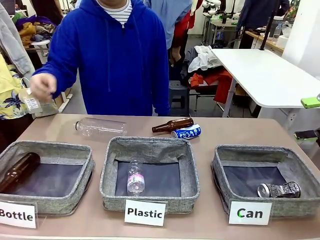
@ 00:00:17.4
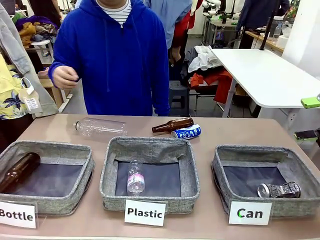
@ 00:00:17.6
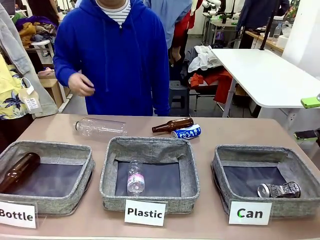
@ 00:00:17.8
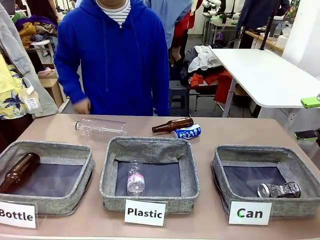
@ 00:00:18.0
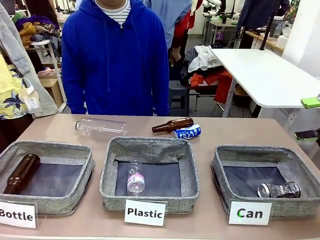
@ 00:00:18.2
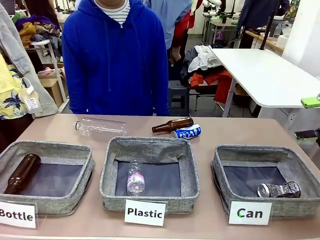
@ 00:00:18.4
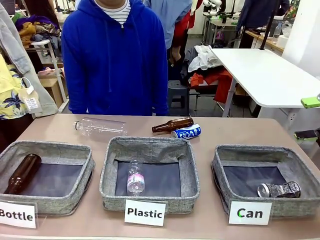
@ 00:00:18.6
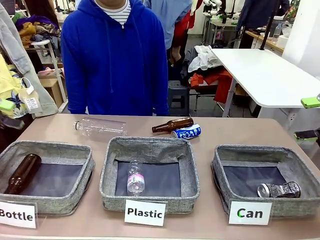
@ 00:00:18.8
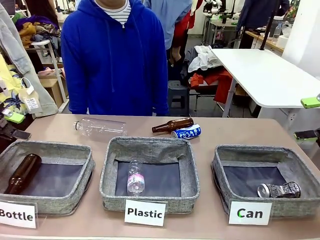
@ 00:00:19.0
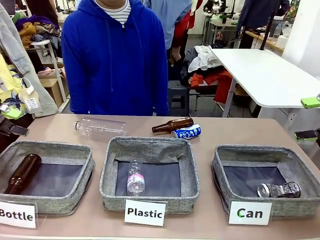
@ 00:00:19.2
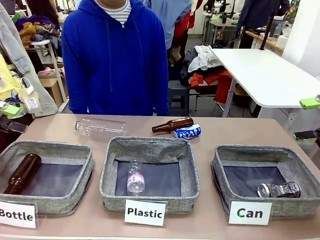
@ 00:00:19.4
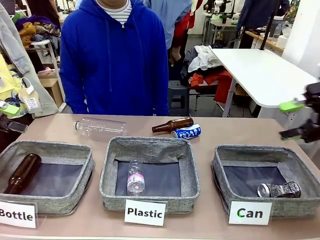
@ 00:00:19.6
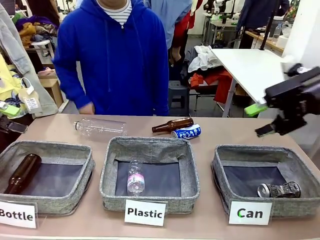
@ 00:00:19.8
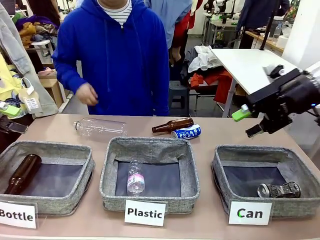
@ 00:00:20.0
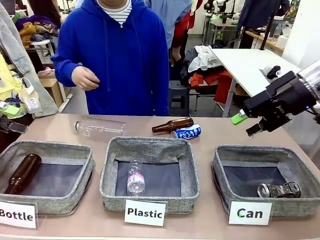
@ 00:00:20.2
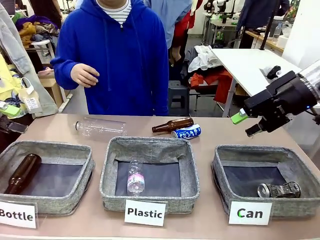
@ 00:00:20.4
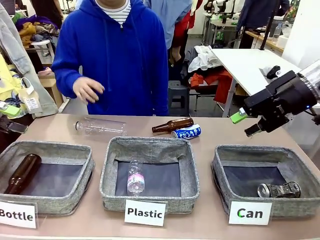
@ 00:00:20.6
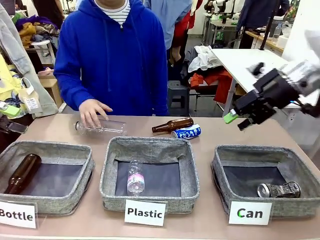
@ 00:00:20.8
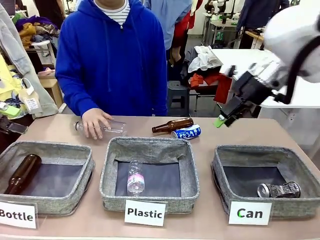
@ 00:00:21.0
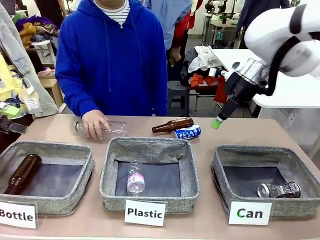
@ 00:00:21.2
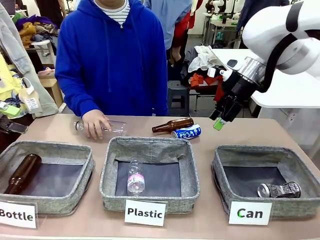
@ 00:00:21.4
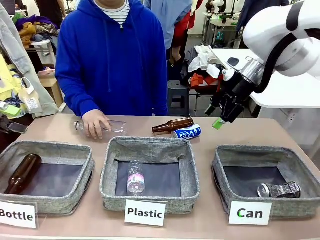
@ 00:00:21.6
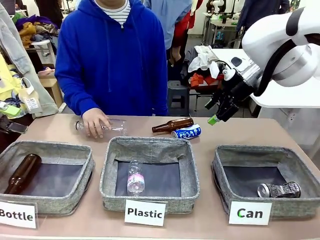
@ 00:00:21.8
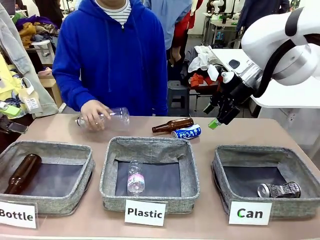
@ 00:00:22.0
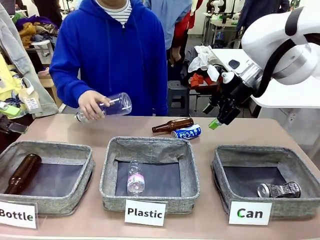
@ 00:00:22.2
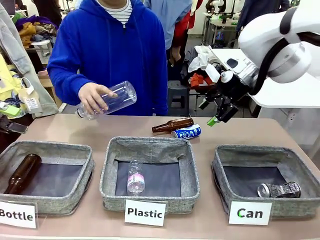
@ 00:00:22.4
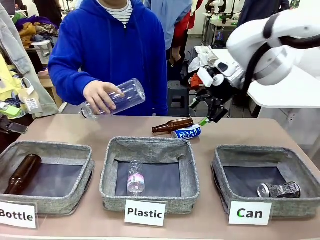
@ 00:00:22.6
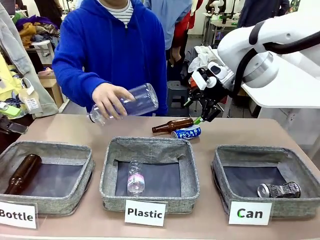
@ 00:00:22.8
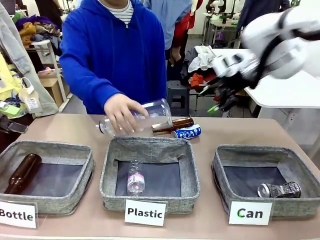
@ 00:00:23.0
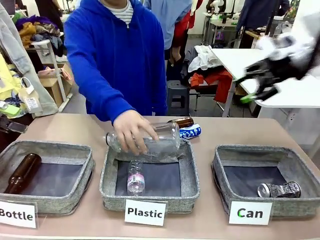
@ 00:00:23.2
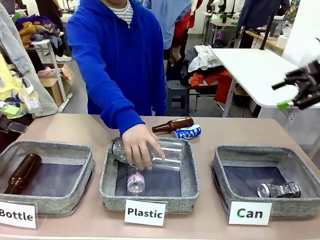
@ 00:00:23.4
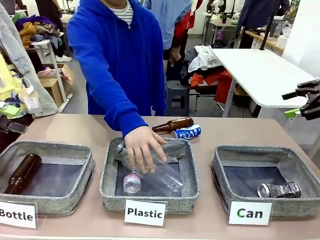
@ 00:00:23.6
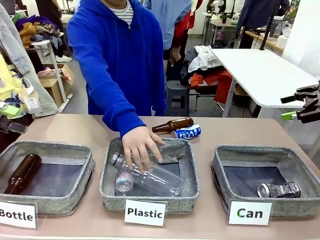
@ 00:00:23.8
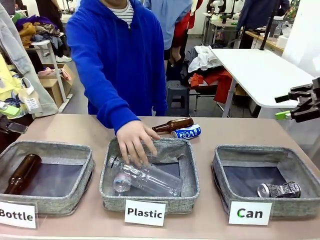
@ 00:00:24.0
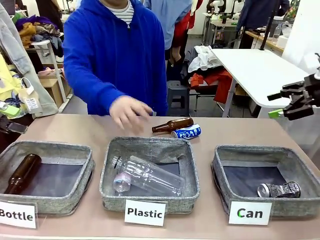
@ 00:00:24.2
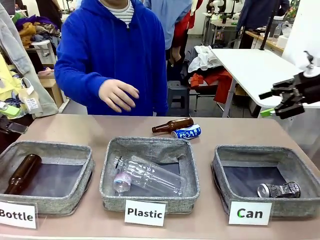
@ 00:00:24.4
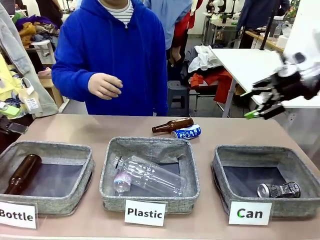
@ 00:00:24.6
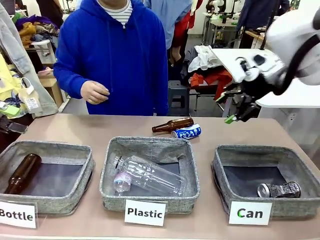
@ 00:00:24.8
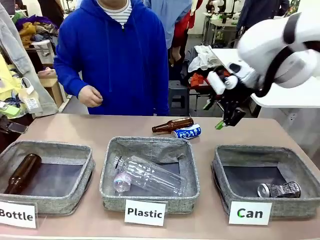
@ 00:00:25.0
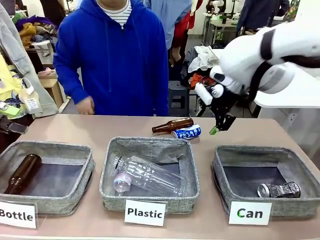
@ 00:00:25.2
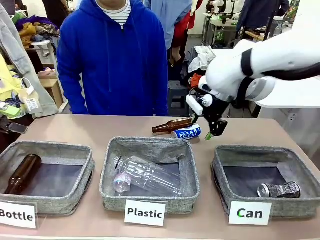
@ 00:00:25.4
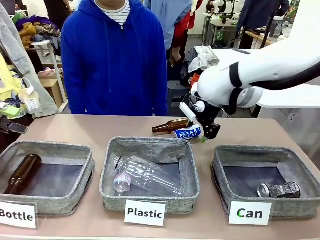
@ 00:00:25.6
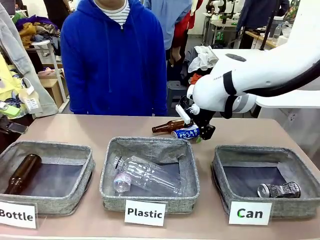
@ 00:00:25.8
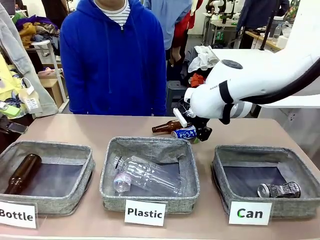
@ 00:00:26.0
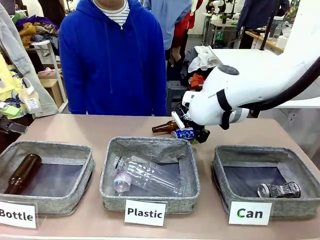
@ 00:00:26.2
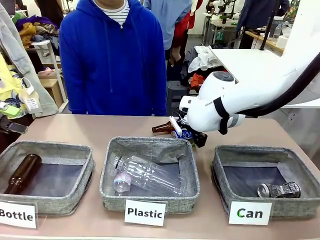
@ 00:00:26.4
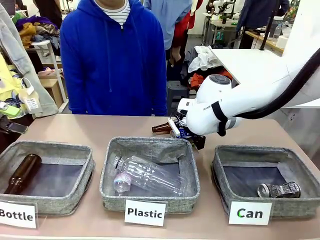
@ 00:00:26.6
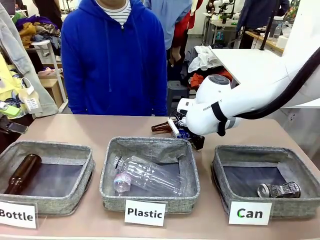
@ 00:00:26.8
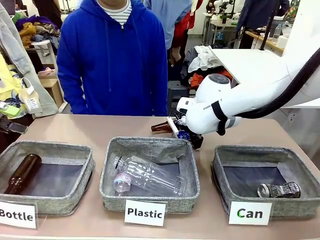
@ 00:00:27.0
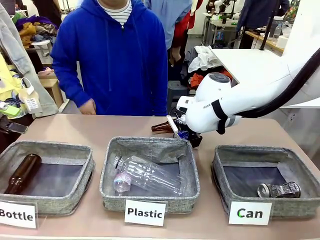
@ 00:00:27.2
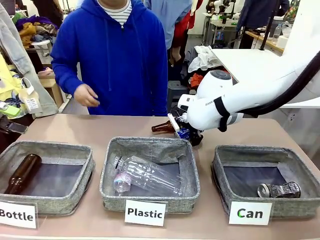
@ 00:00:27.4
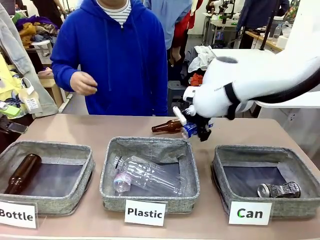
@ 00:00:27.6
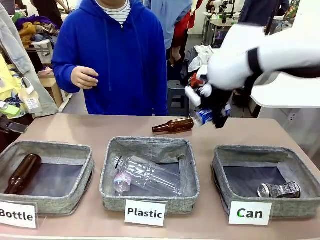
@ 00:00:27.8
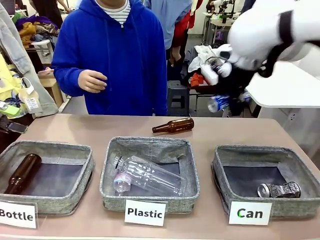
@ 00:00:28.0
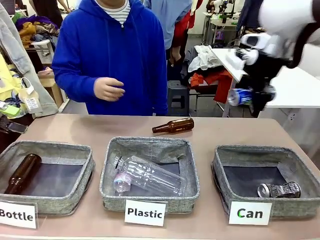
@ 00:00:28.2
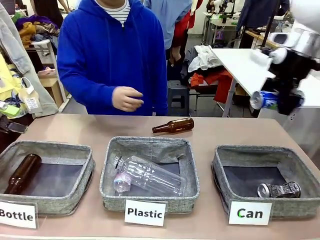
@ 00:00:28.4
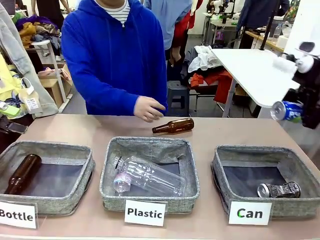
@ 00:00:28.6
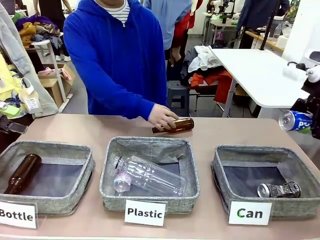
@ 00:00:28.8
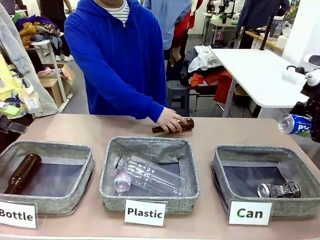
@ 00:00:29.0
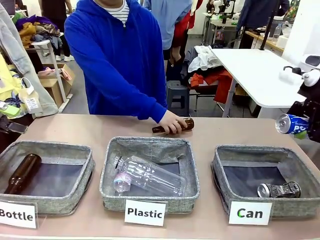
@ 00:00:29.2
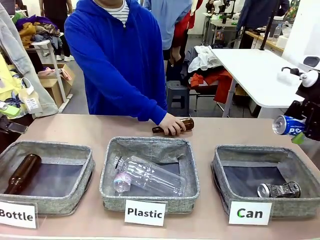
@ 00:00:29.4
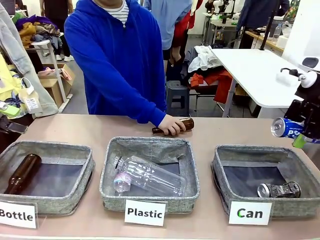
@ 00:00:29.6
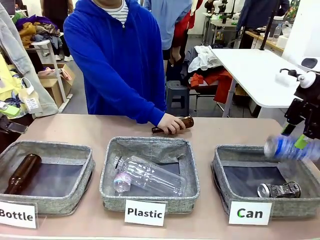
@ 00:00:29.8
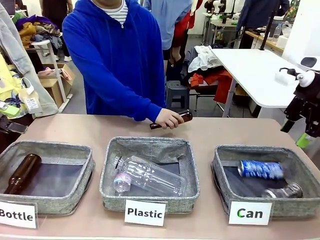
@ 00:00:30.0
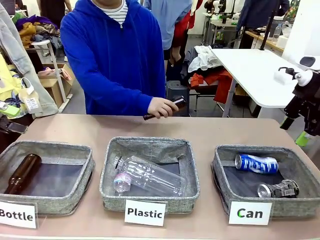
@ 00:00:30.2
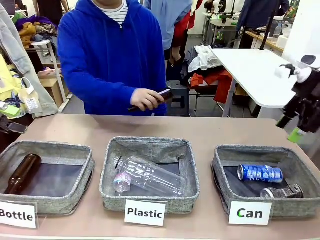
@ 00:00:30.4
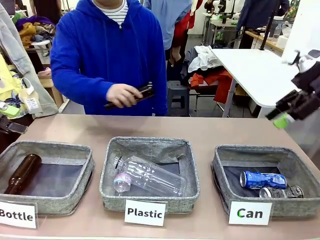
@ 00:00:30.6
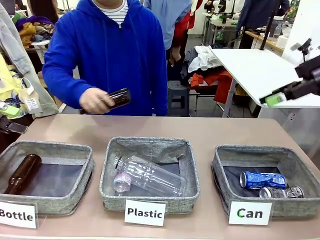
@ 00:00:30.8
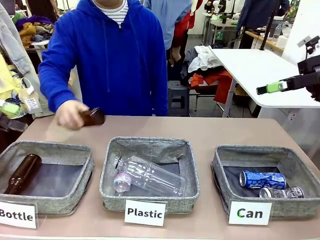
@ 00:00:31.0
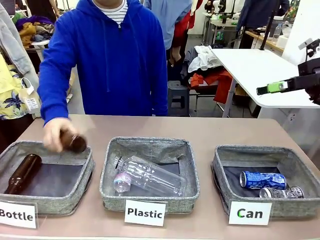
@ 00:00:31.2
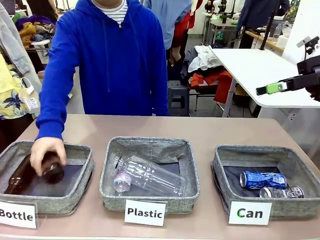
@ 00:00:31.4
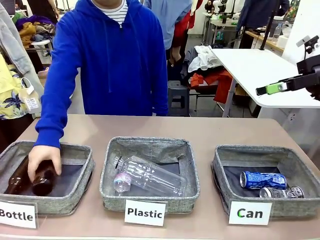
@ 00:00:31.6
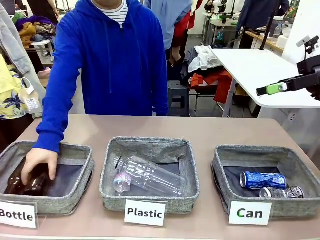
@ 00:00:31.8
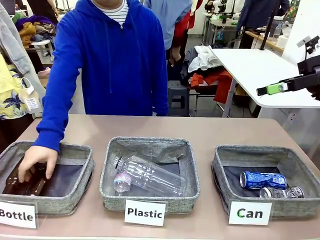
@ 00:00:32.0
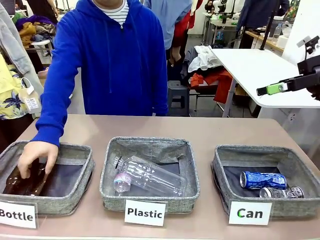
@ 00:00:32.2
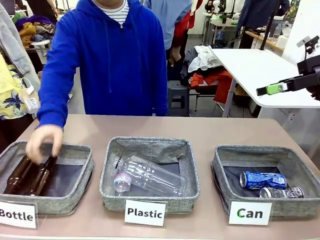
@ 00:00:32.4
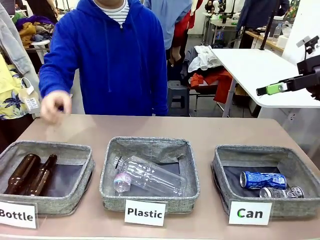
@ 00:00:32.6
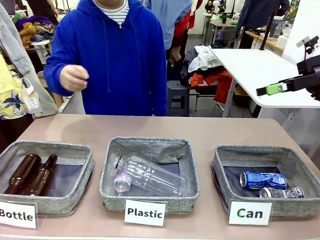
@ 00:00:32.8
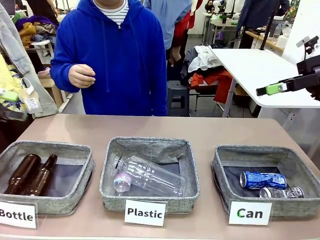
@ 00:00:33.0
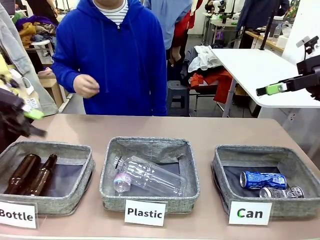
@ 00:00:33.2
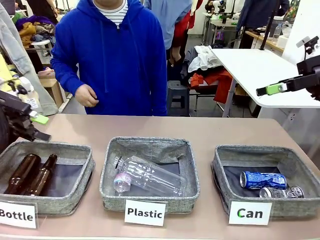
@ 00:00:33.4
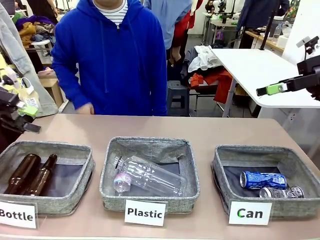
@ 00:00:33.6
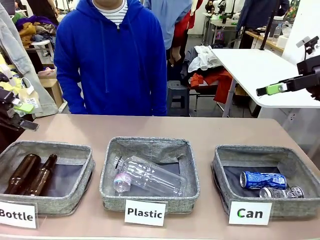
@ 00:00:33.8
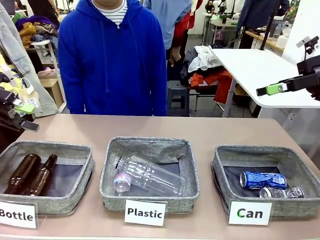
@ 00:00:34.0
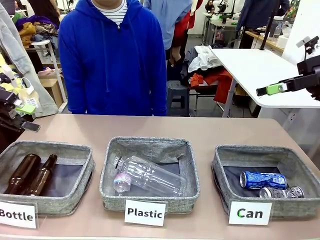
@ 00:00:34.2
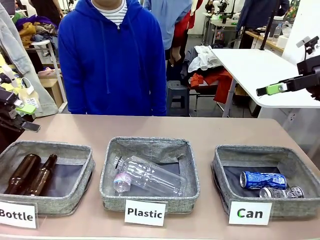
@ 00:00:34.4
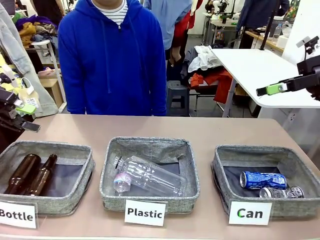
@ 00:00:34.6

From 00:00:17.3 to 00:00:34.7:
Task: Sort the can waste into the basket.
Robot: Pick up the can waste from the table and place it in the right Fabric basket.
Person: The human picks up one piece of trash that is not a can and places the trash into the appropriate organizing basket.
